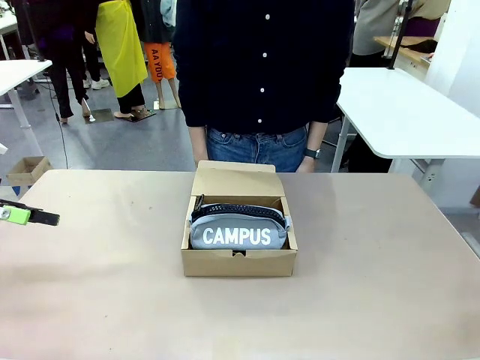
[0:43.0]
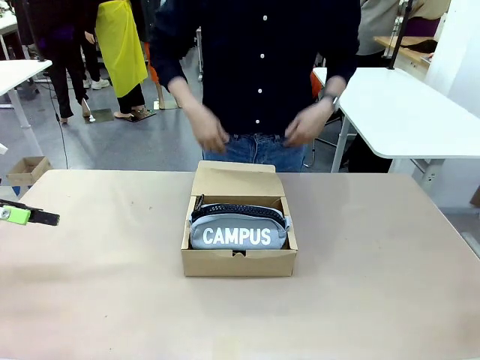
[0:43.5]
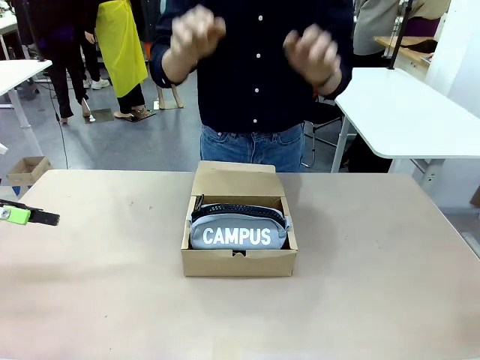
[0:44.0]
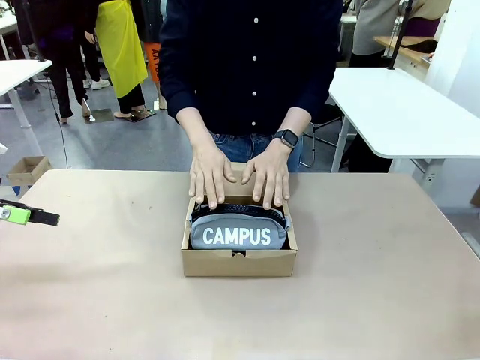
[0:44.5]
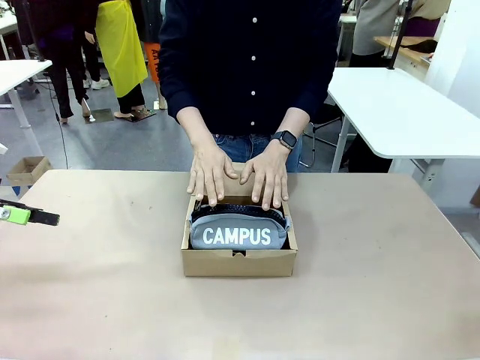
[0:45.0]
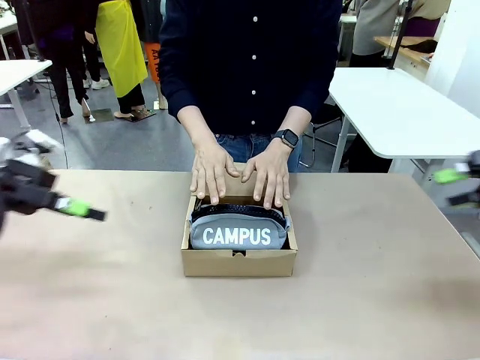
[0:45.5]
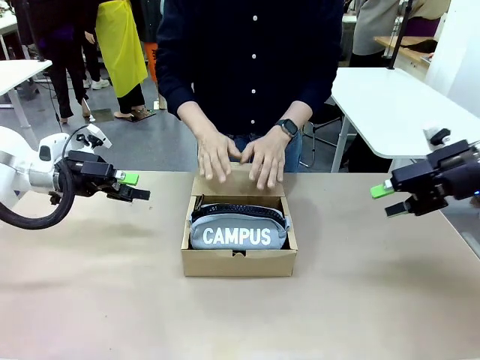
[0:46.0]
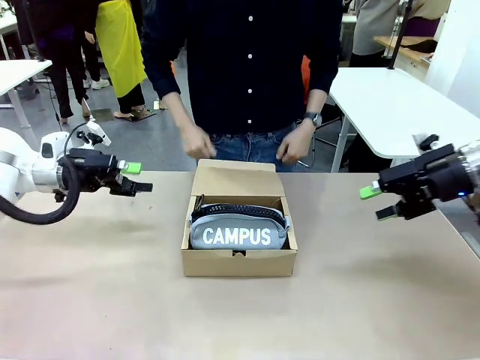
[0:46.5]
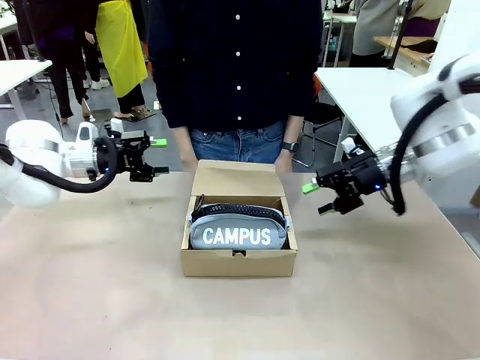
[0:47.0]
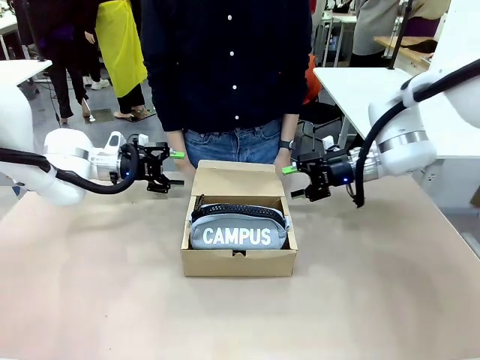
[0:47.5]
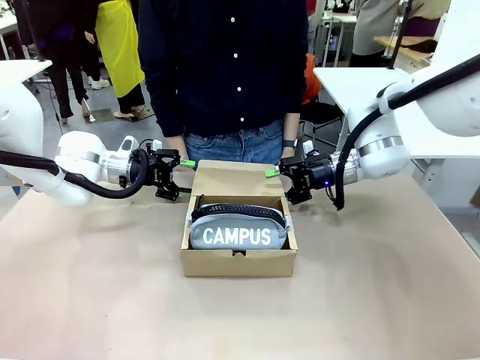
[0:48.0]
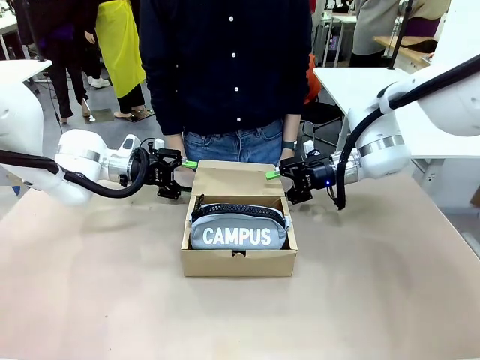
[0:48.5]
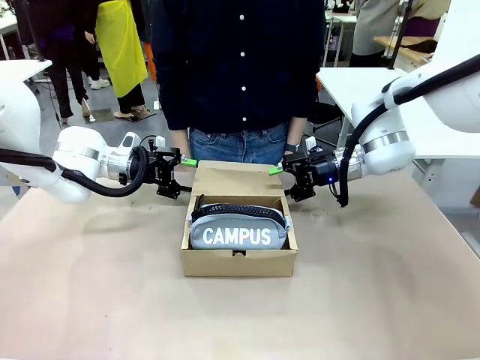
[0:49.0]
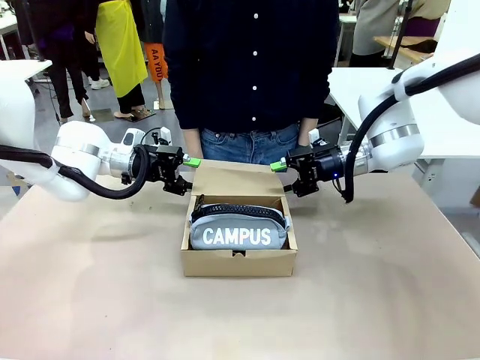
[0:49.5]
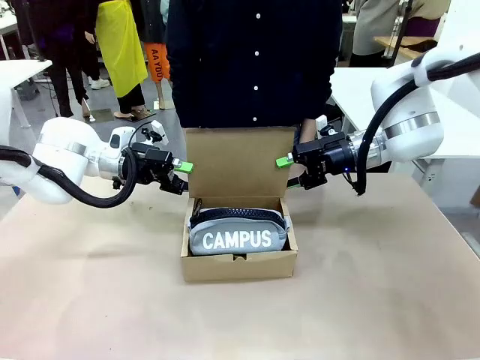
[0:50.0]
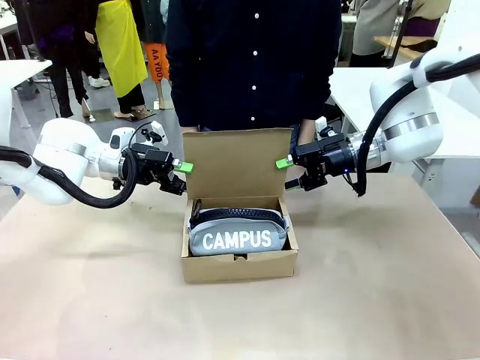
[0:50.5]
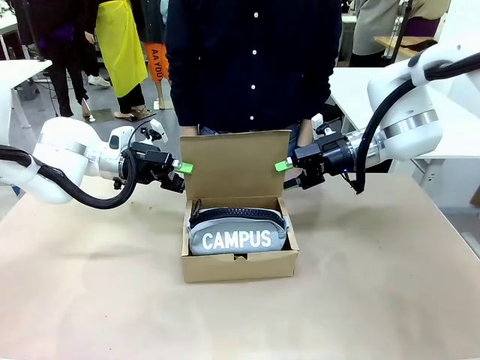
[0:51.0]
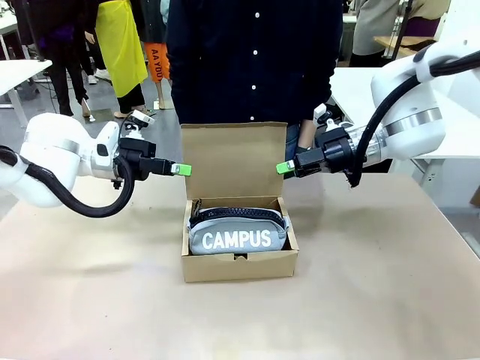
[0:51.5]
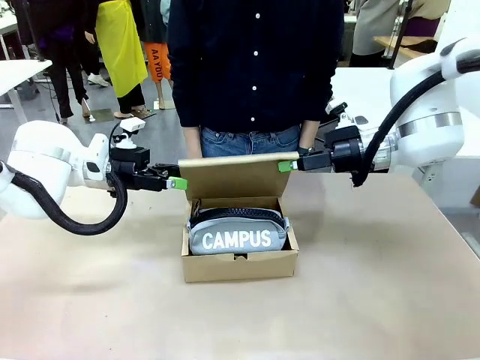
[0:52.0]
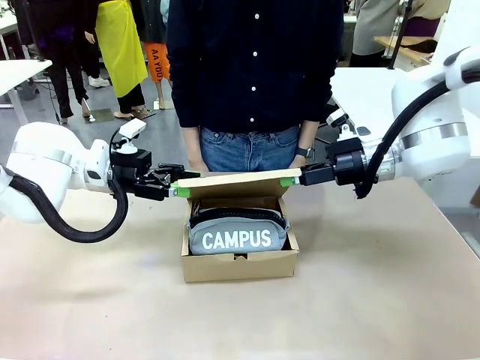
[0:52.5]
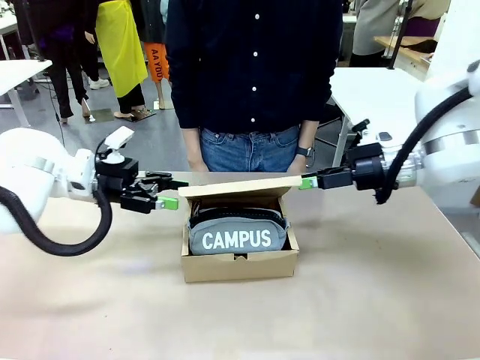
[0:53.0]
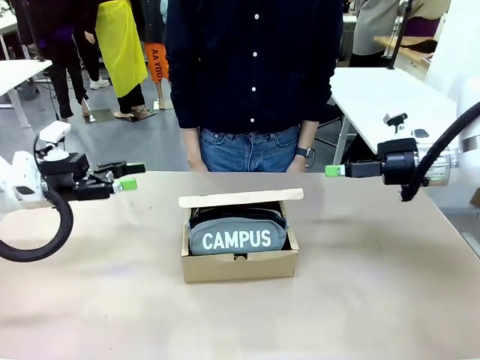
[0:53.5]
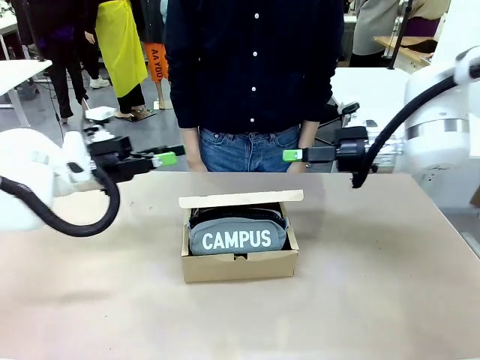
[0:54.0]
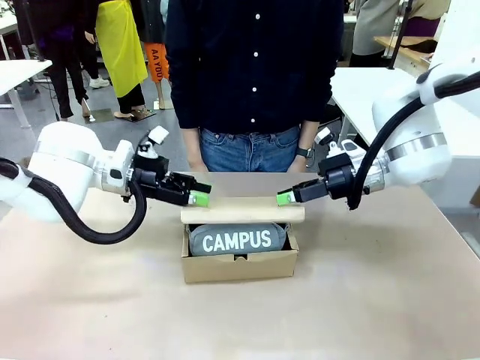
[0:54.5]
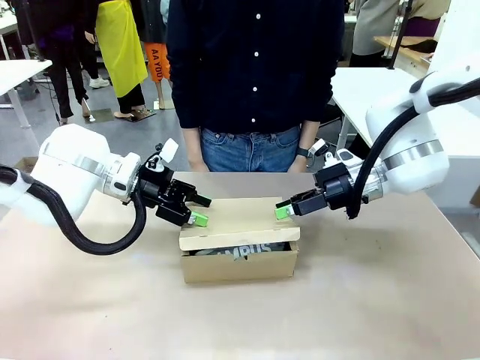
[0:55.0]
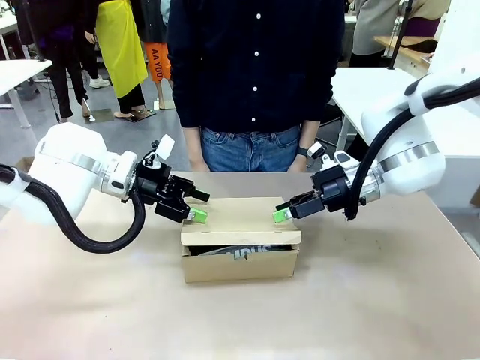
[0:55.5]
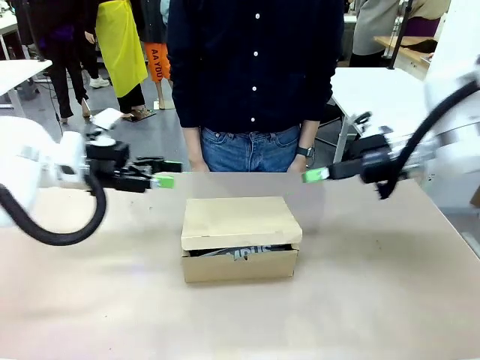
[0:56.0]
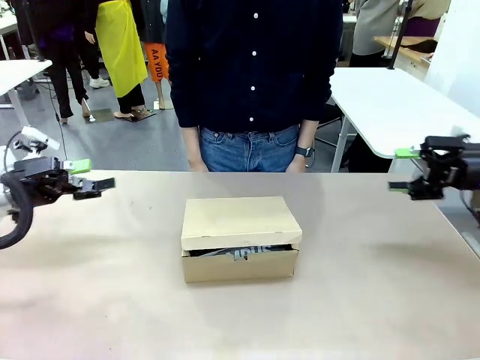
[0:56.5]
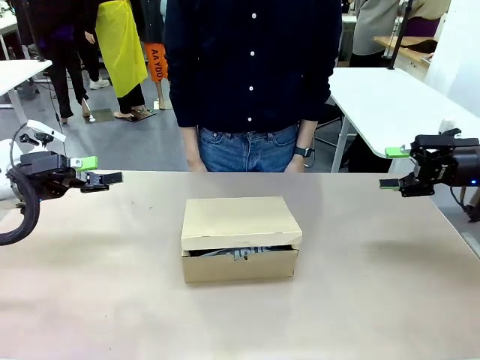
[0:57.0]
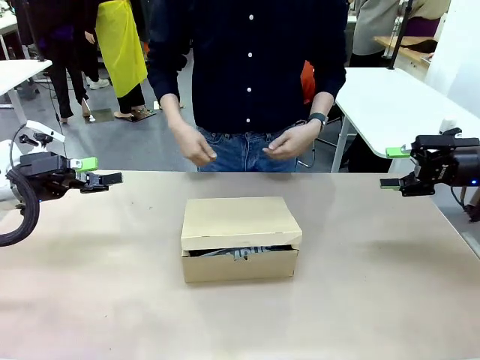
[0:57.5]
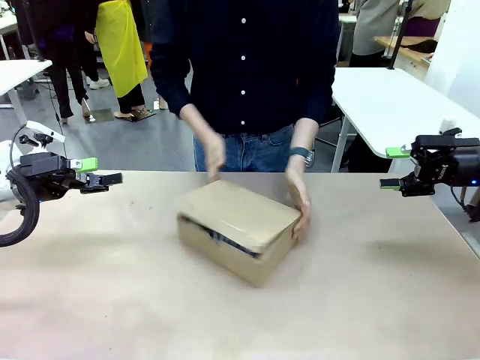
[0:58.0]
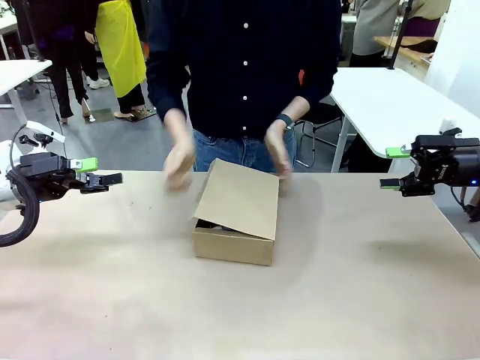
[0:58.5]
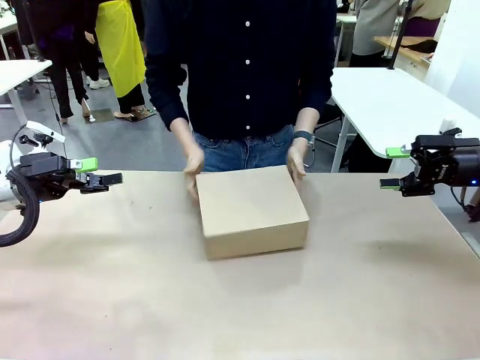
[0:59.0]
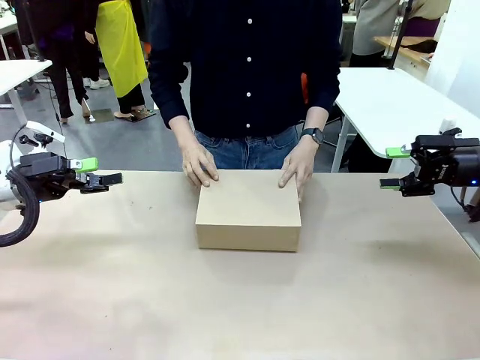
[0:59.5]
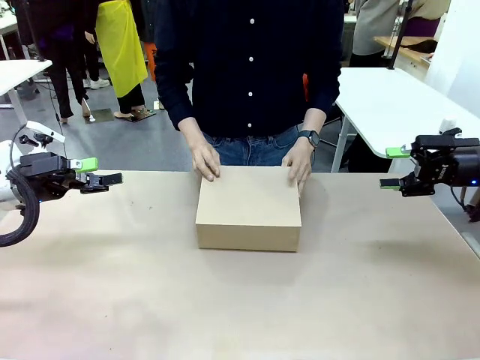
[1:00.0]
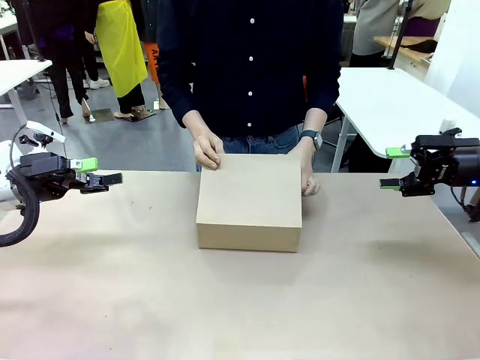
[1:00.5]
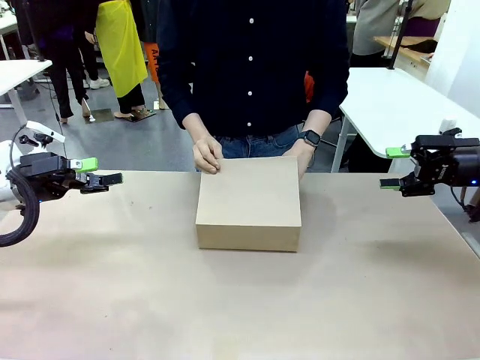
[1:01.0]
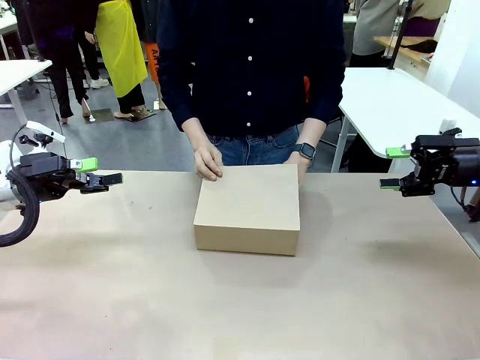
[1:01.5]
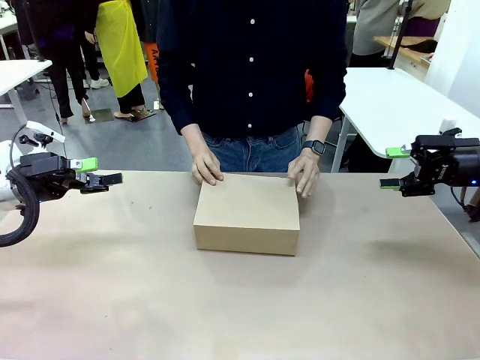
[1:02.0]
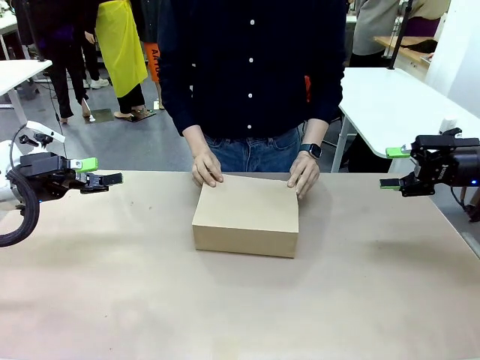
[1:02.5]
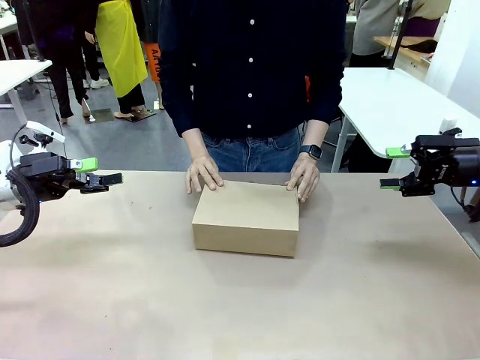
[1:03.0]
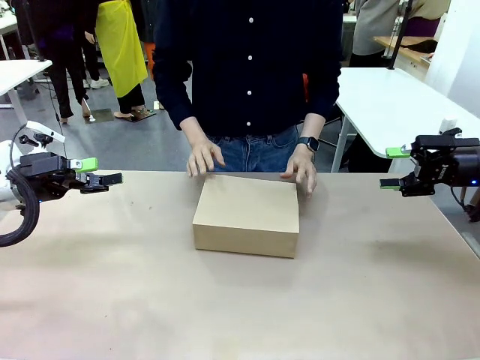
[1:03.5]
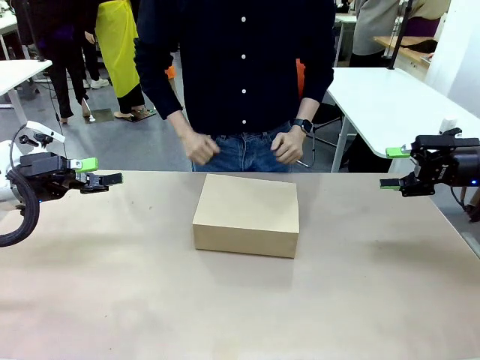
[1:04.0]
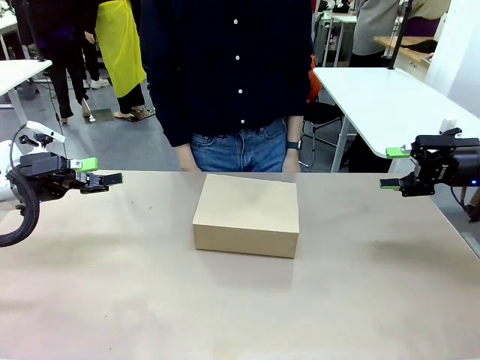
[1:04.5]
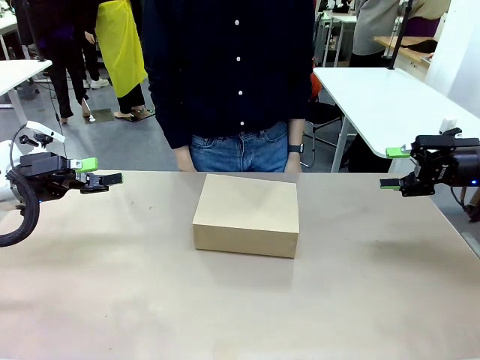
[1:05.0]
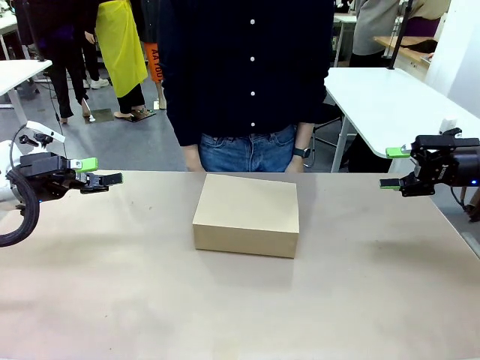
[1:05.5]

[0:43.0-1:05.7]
Task: Pack the items into the box.
Robot: Close the Mailer Box.
Person: Lower both hands vertically with palms facing downward, as if pressing something closed. Turn the box and lock it.
